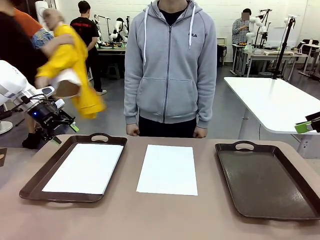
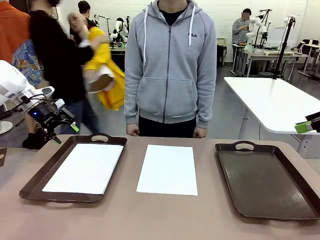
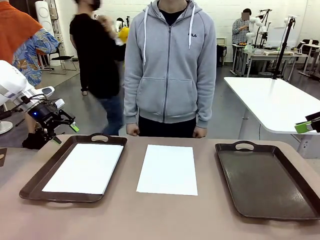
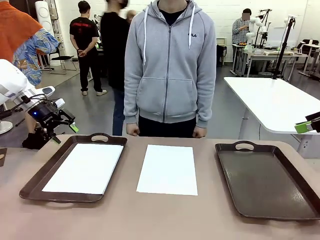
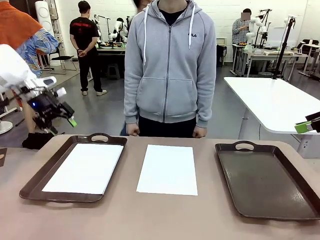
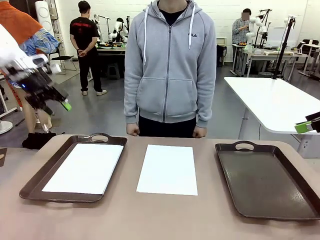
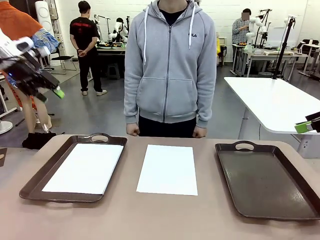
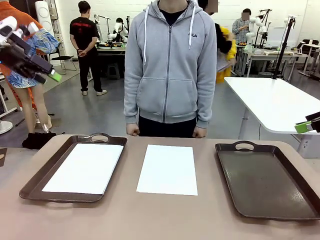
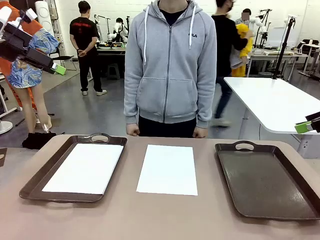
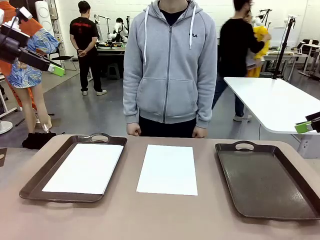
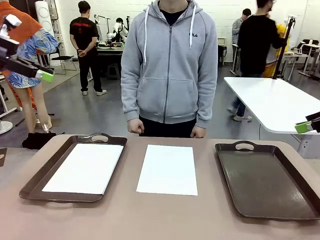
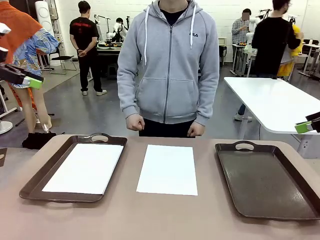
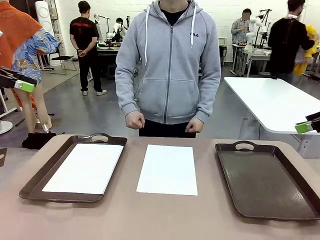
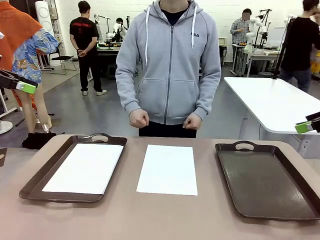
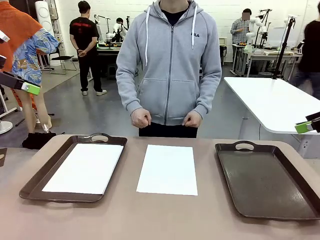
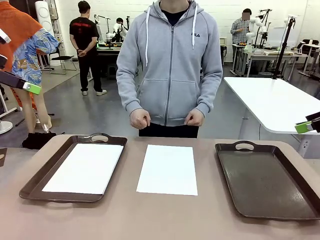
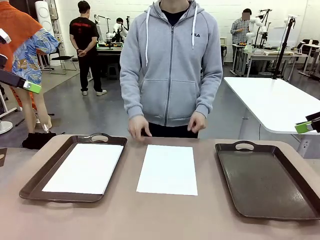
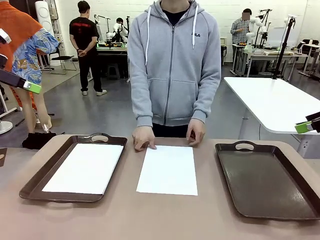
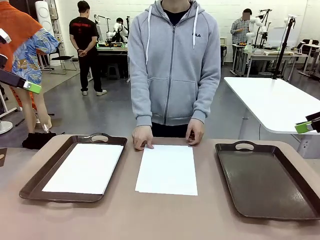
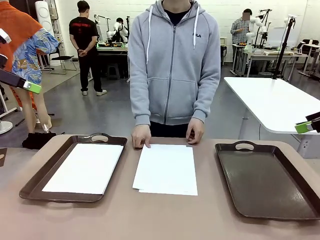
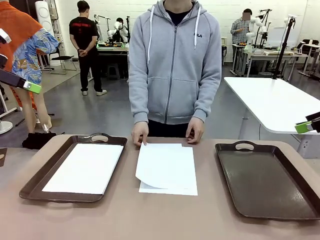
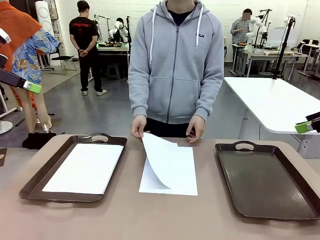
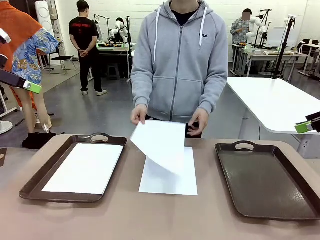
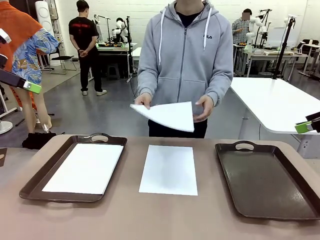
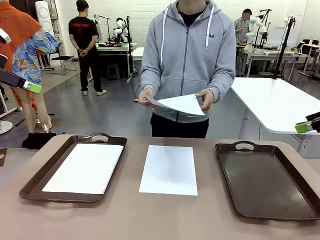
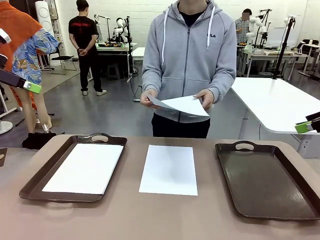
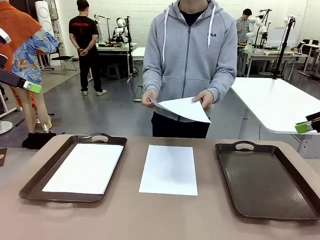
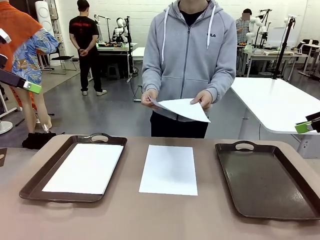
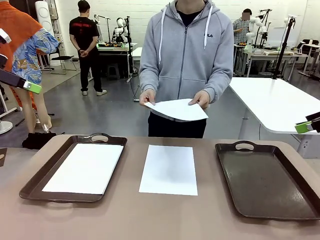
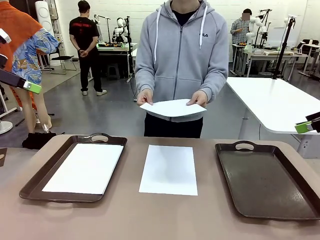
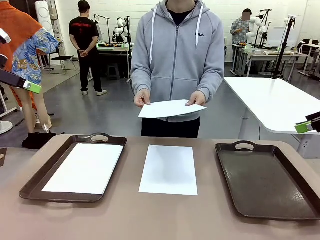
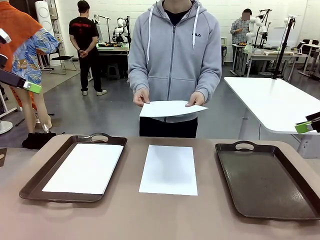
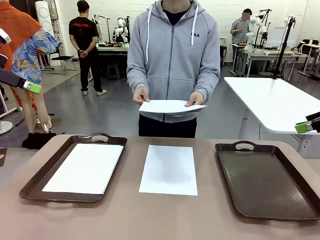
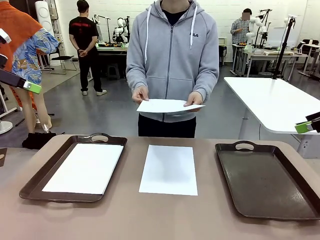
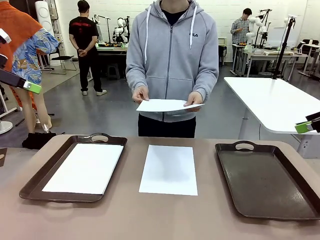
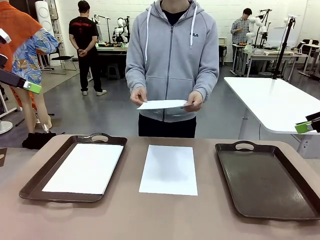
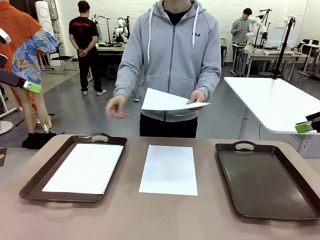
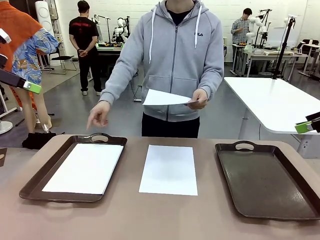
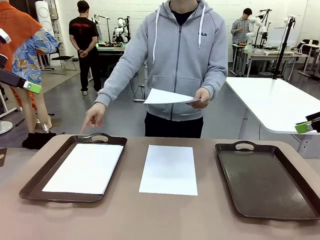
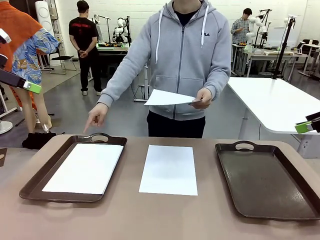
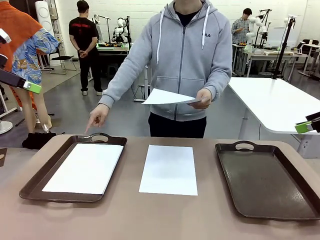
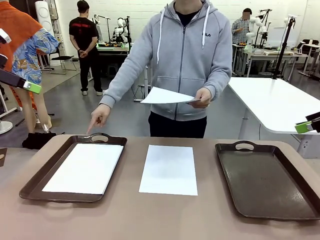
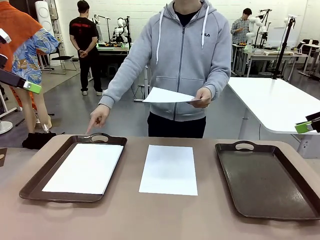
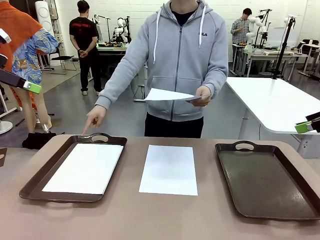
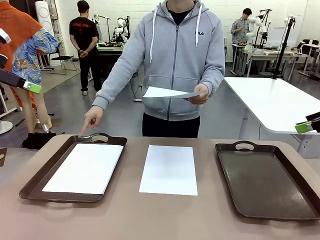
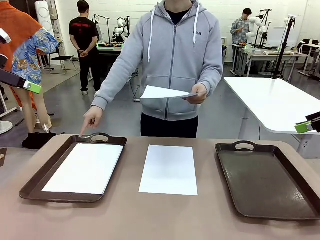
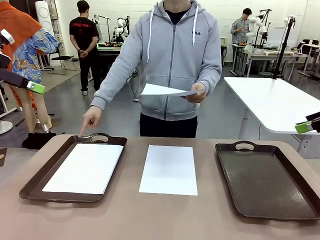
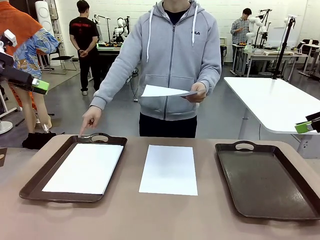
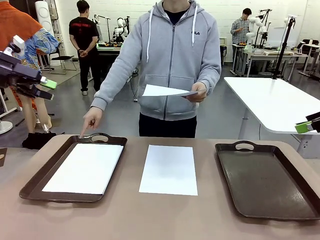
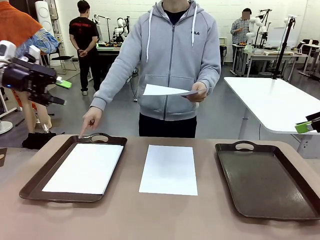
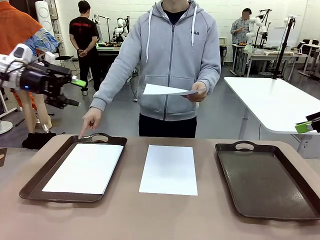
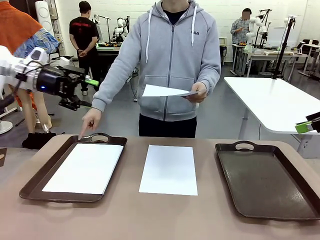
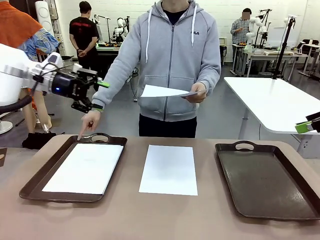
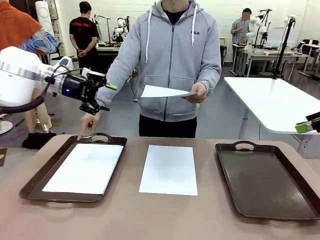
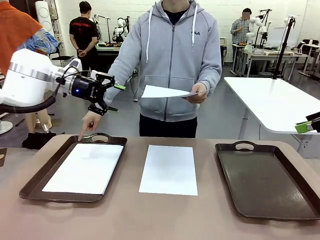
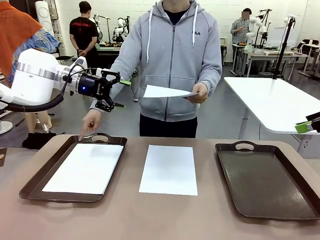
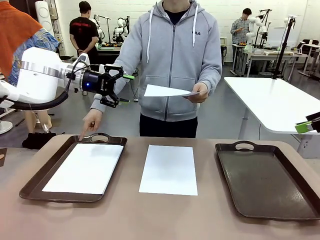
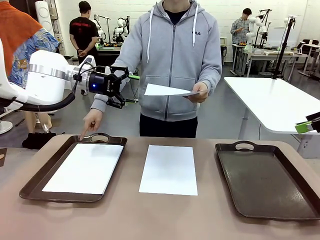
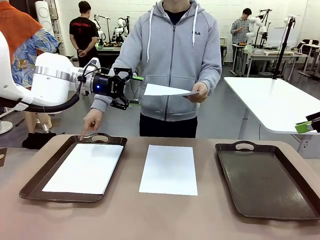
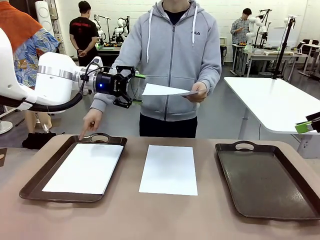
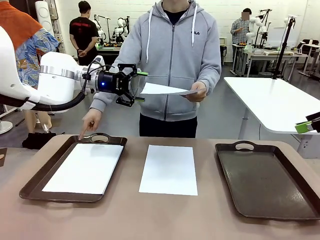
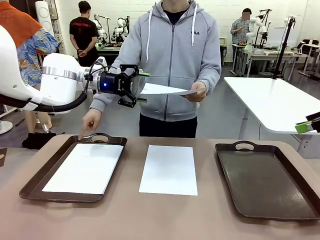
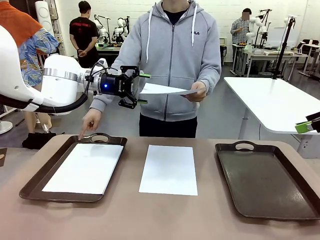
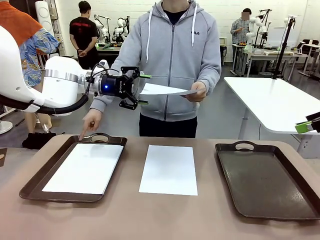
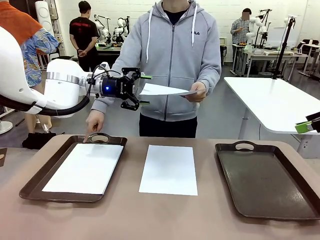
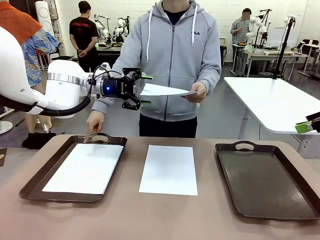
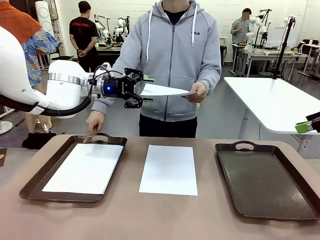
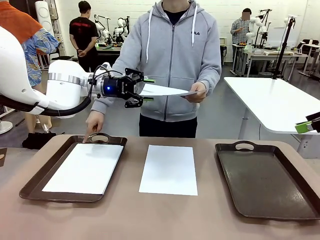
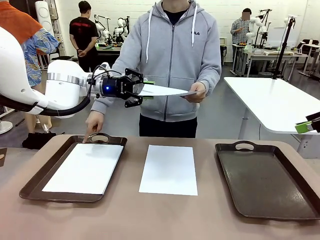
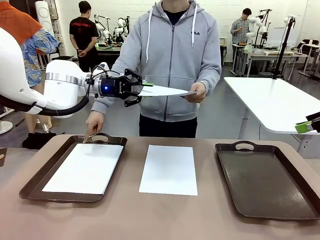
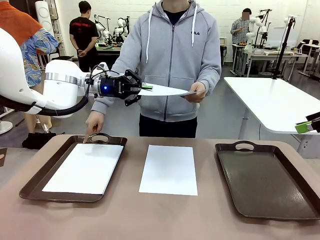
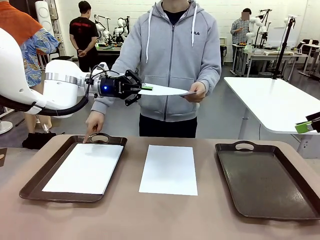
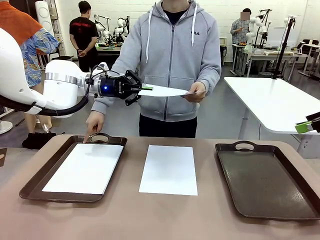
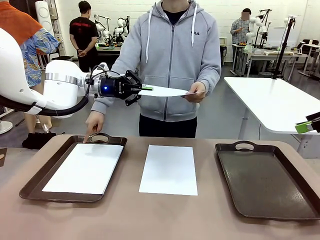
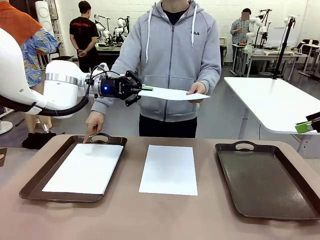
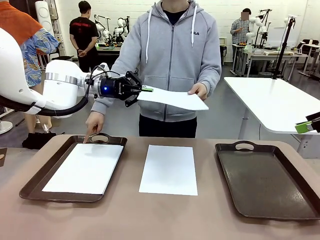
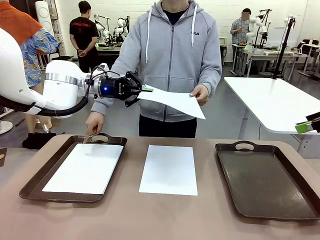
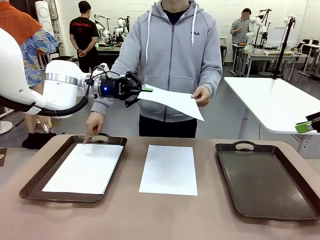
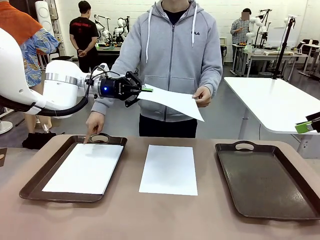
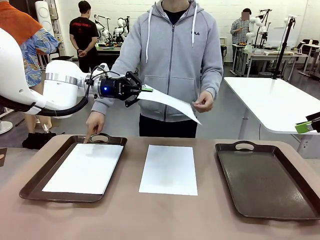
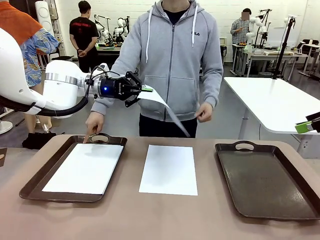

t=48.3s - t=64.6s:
Task: Sort the A4 documents.
Robot: Receive the A4 Paper.
Person: Point the randomly selected tray with the other hand.

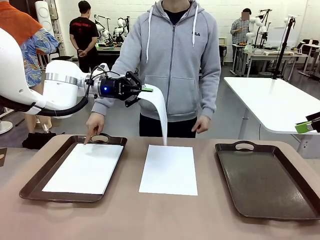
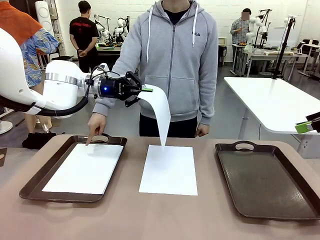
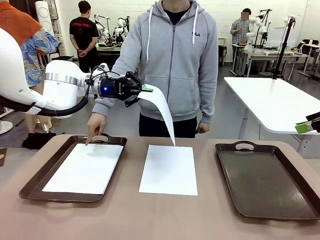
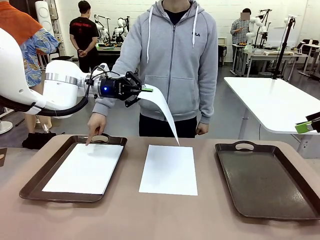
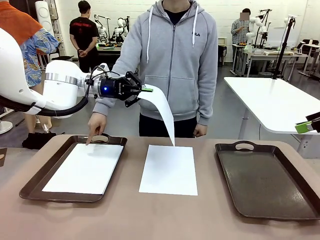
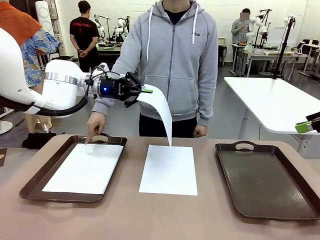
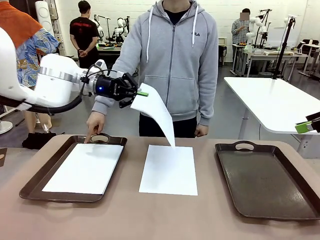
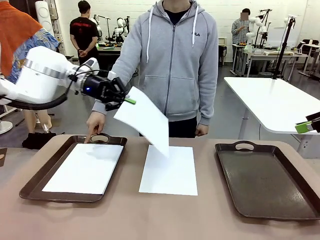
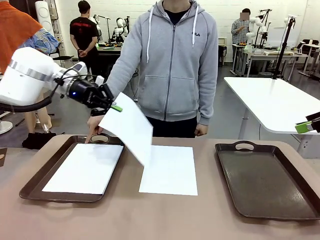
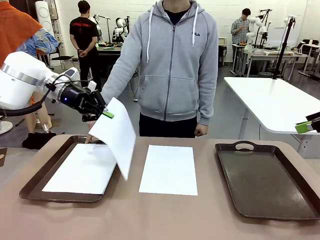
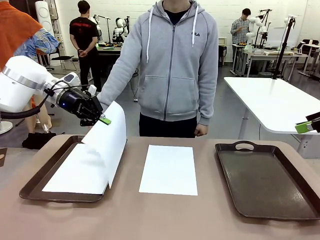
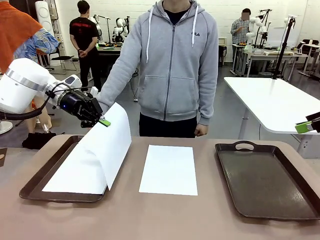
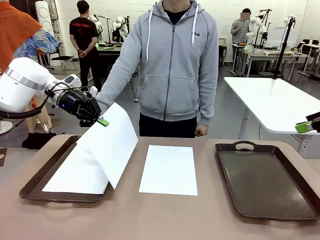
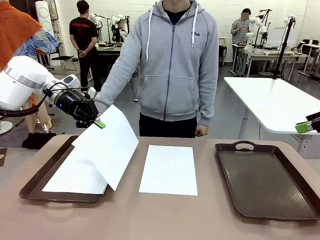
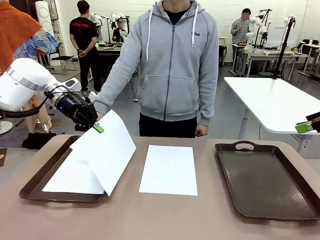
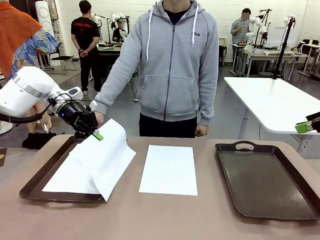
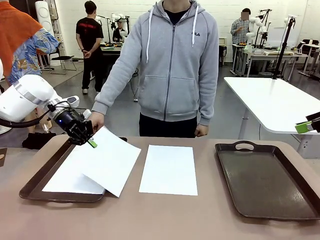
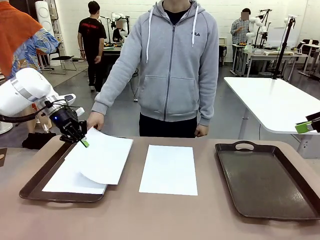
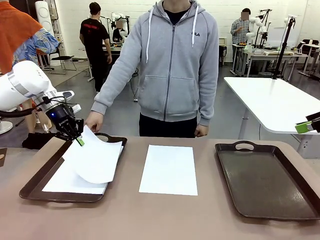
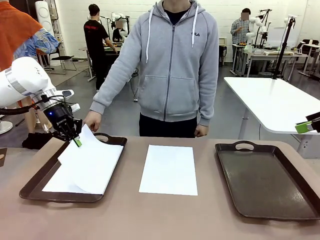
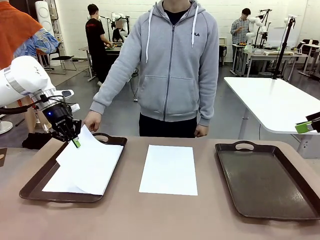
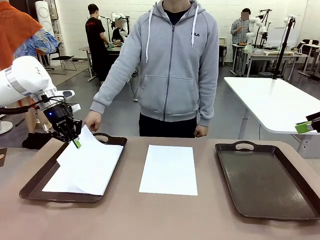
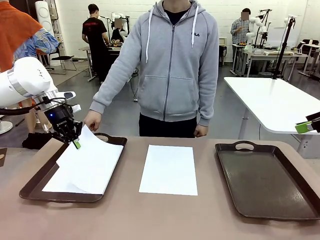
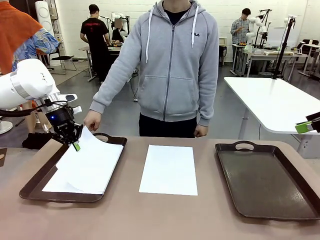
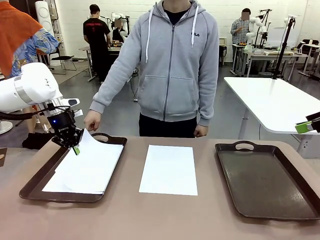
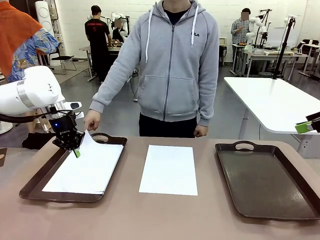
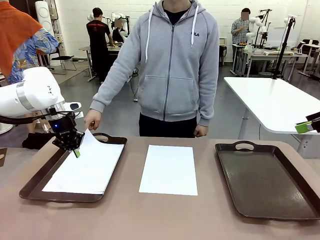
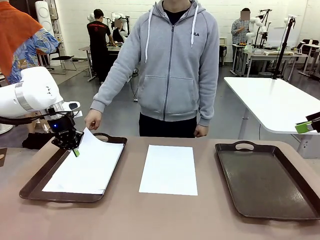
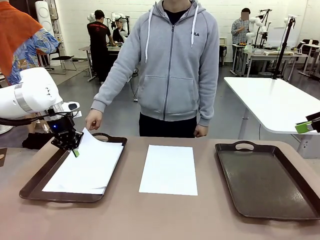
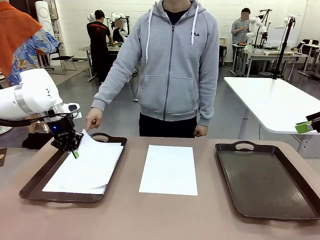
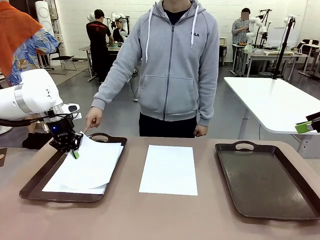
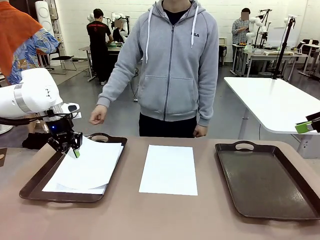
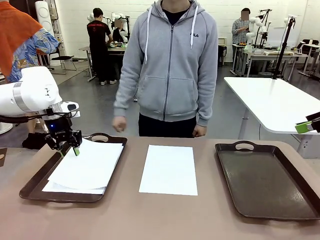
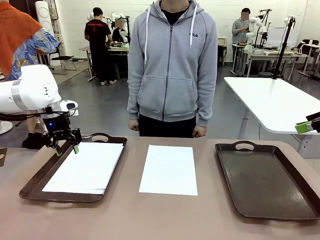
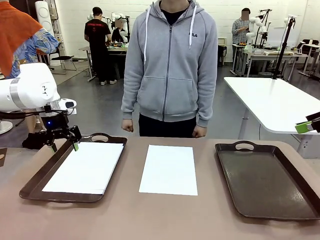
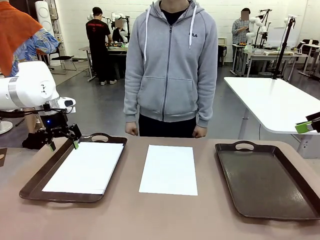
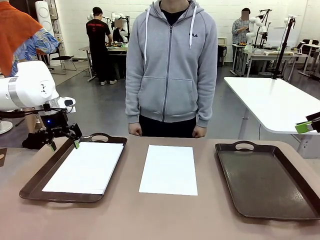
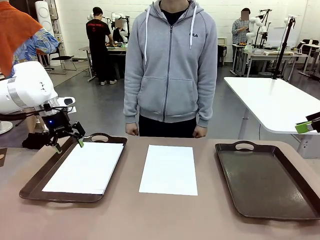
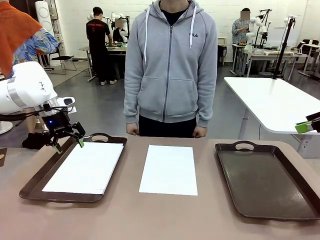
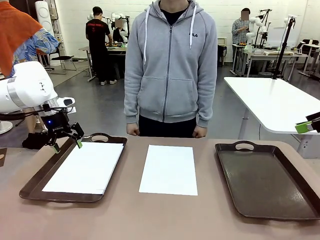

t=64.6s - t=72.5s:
Robot: Place the A4 Paper in the designated Handle tray.
